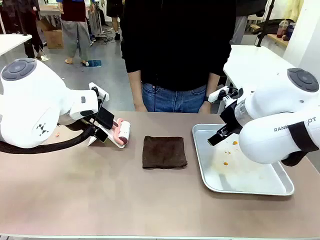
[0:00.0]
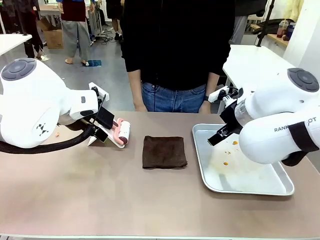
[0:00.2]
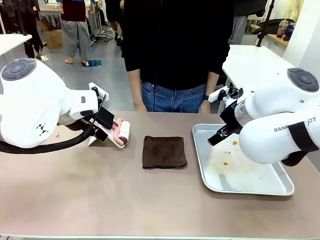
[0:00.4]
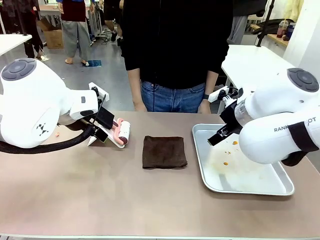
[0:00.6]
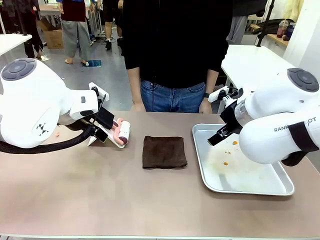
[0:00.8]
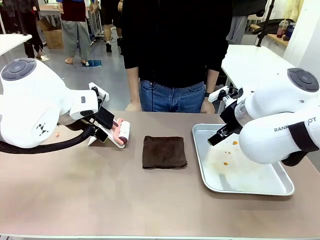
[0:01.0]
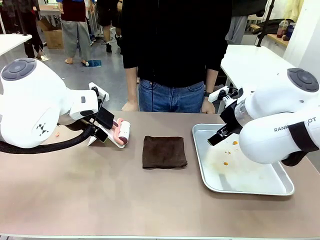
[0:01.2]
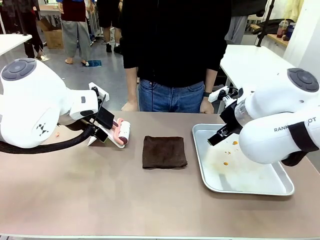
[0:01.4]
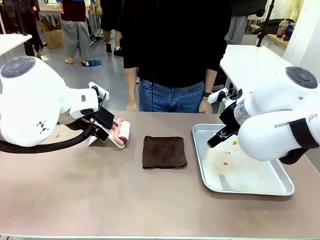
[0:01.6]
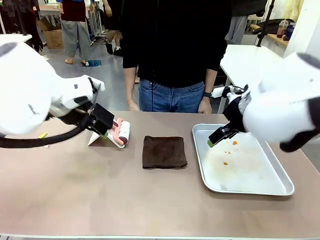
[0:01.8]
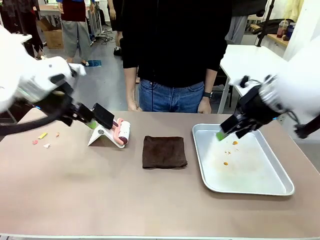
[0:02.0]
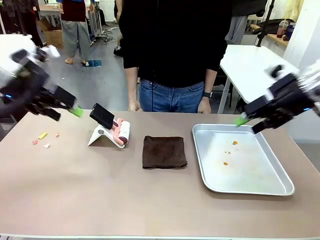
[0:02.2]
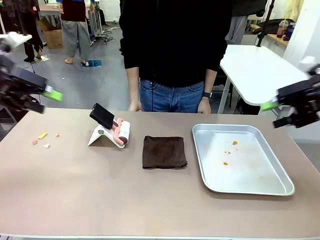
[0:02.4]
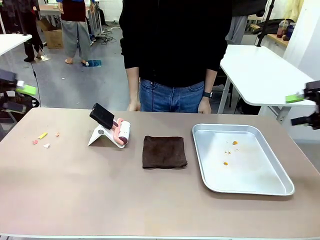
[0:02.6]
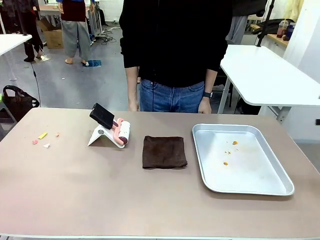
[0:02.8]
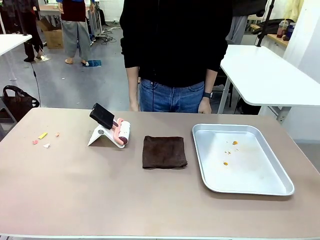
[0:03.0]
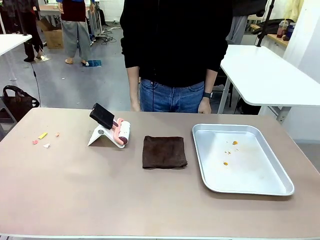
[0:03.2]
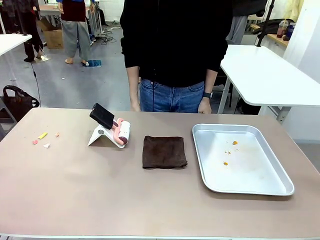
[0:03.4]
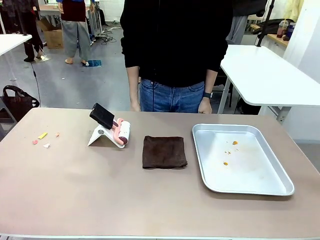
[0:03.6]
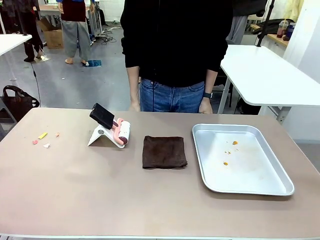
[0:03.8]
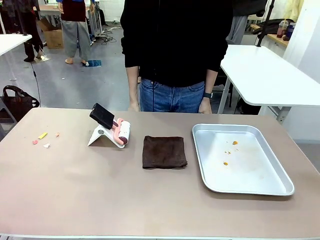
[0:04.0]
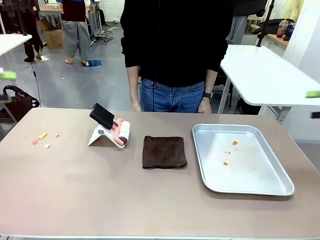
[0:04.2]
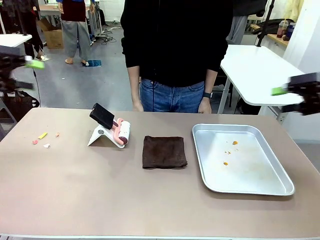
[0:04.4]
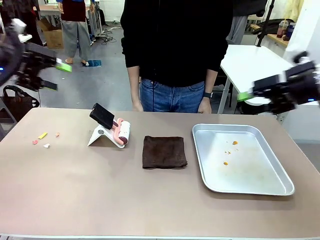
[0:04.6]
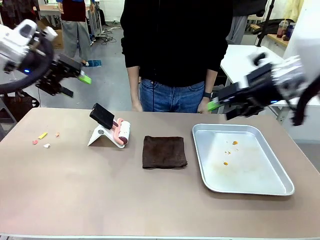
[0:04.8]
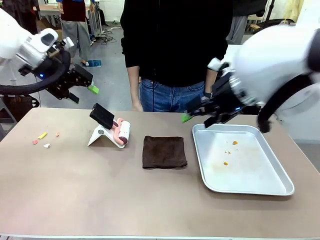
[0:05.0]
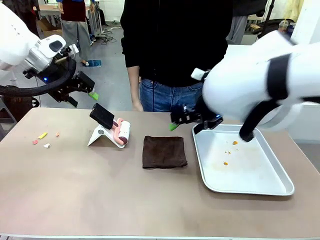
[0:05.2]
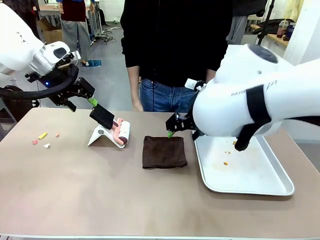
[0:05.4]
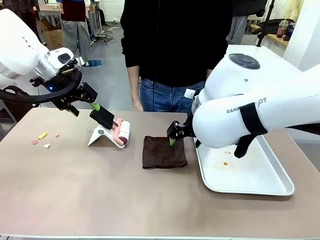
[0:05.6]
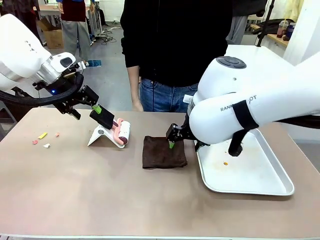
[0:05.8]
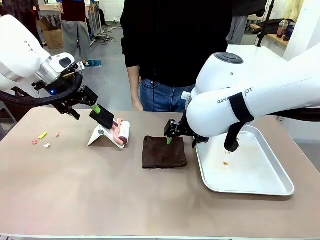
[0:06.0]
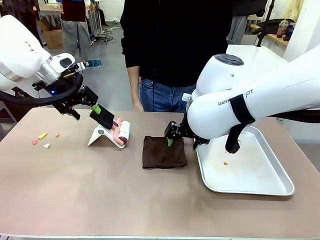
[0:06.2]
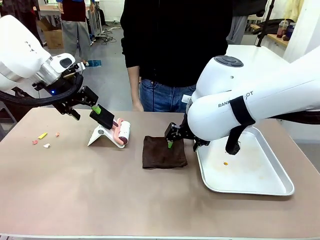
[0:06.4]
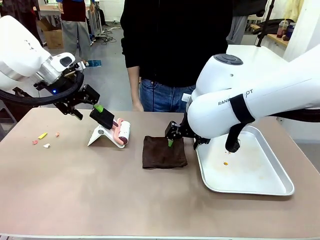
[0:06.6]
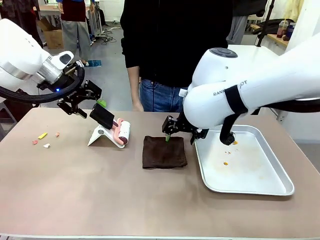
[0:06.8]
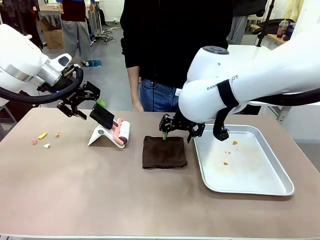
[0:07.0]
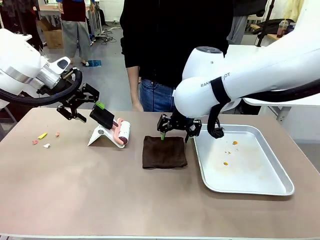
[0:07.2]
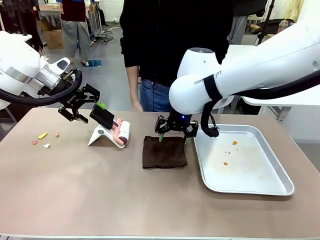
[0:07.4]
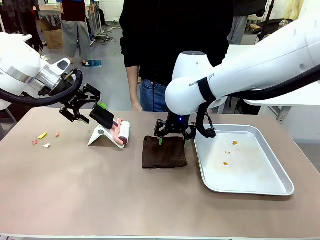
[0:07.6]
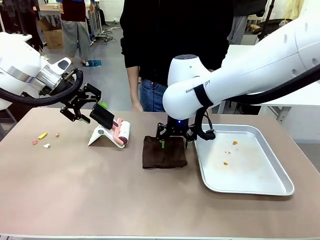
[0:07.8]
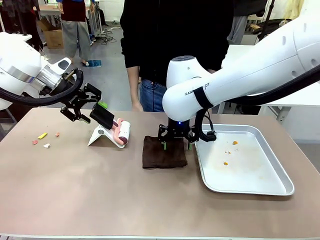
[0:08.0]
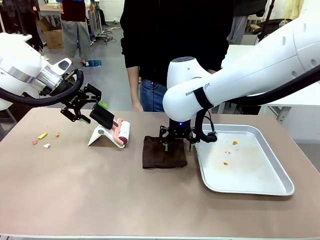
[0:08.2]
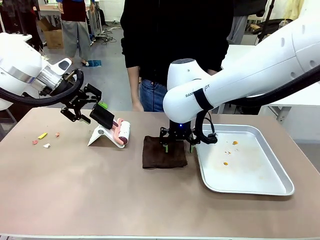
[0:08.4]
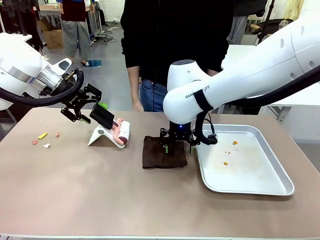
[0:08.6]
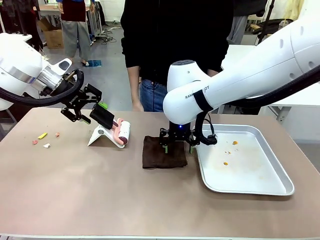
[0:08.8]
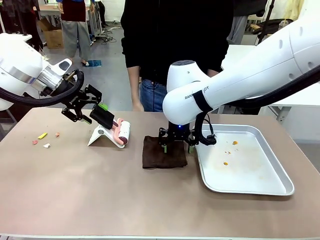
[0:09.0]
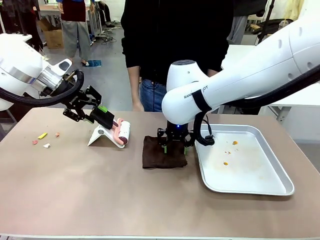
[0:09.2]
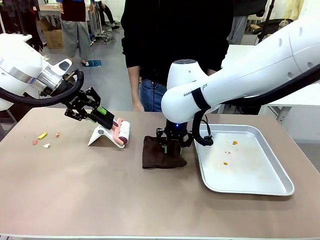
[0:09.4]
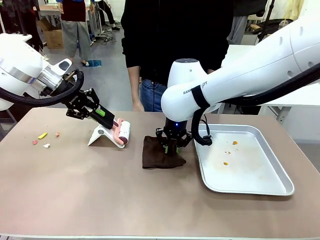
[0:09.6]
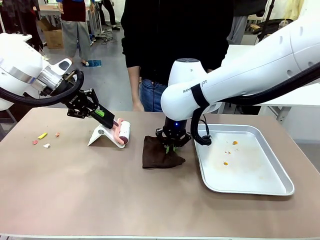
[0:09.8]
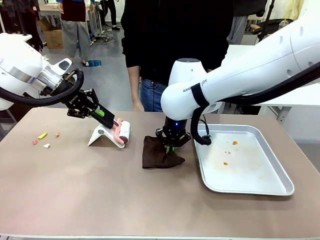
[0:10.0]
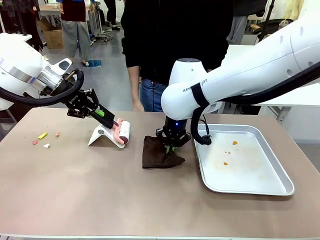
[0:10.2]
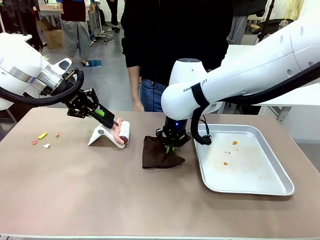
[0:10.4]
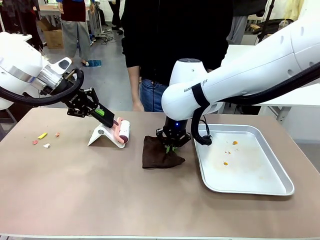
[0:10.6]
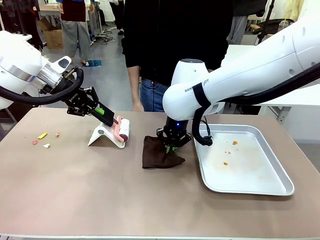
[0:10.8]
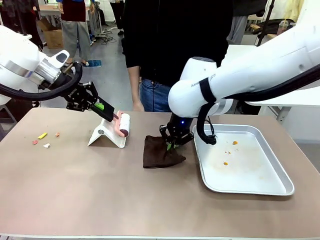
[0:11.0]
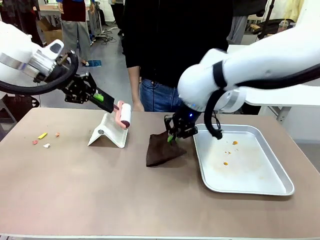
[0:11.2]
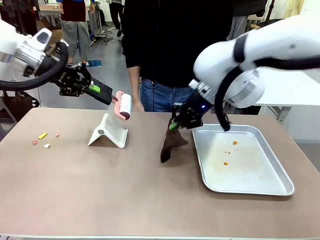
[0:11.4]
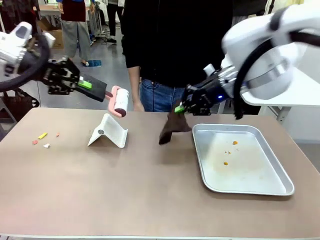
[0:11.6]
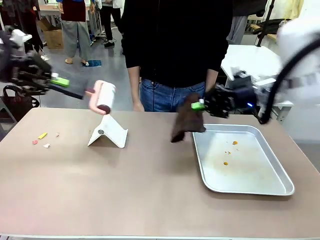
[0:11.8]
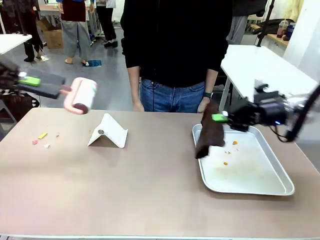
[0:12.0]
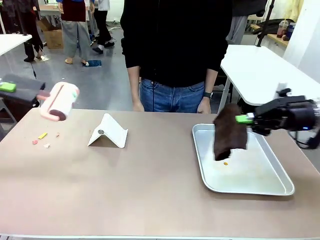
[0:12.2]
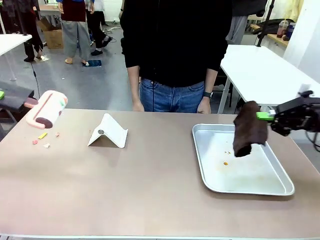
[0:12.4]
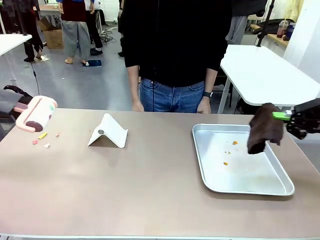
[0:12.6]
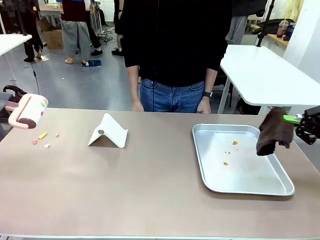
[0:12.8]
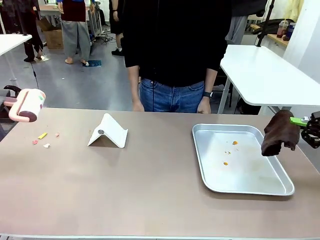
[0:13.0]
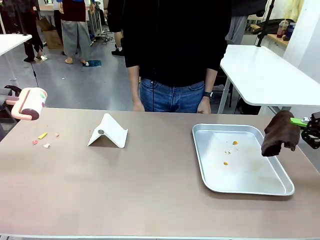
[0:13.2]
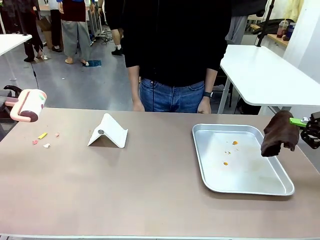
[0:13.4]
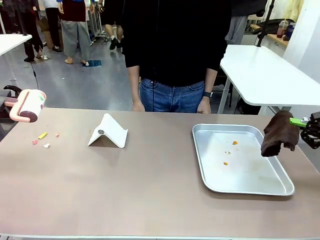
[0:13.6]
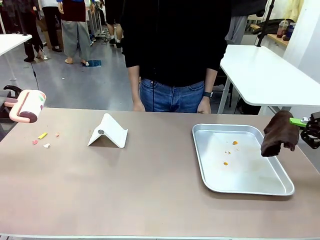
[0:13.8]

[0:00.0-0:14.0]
Task: Clean the surface of the table.
Robot: Hold the Lint Roller with your left hand and the towel with your right hand.

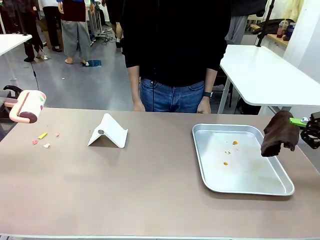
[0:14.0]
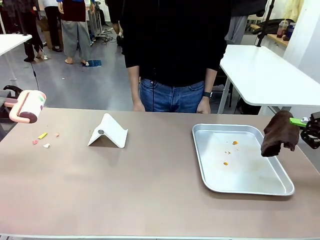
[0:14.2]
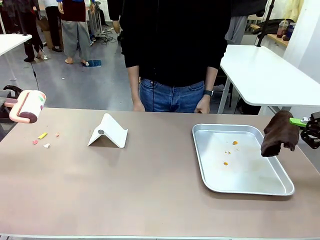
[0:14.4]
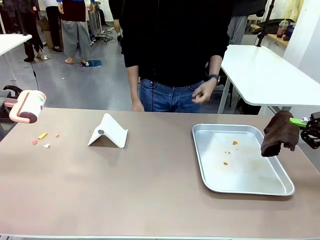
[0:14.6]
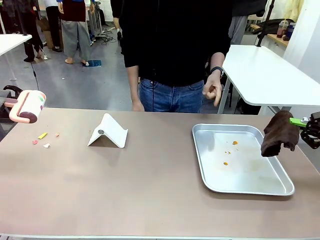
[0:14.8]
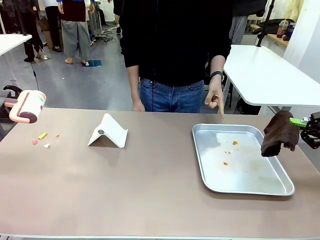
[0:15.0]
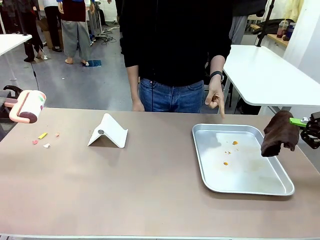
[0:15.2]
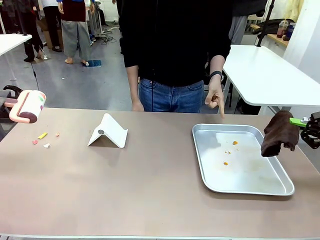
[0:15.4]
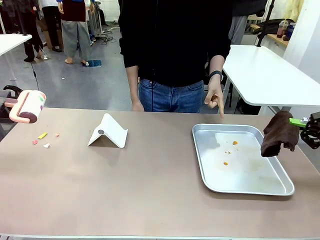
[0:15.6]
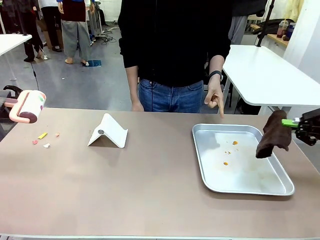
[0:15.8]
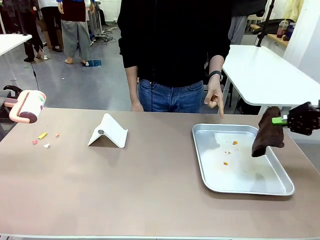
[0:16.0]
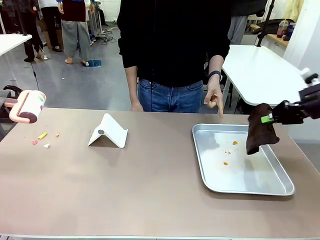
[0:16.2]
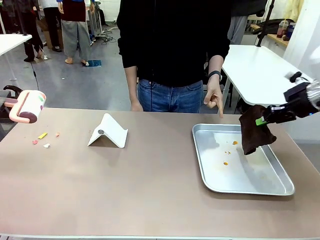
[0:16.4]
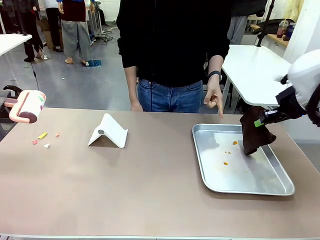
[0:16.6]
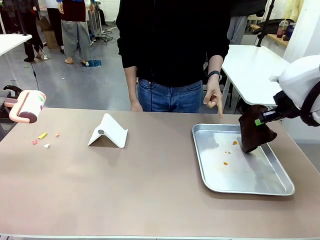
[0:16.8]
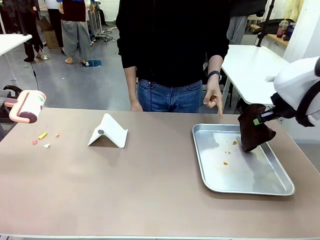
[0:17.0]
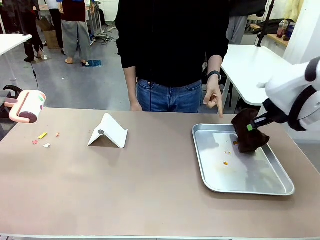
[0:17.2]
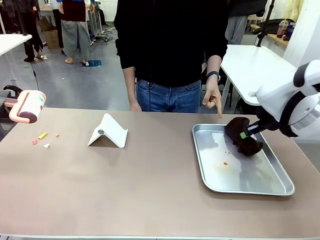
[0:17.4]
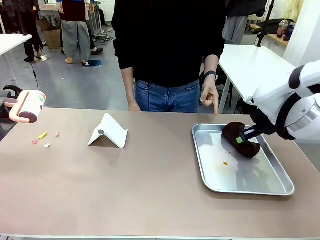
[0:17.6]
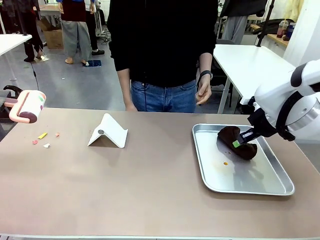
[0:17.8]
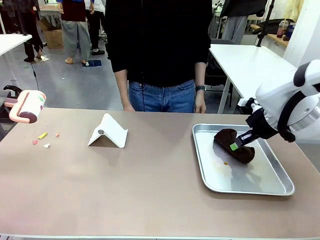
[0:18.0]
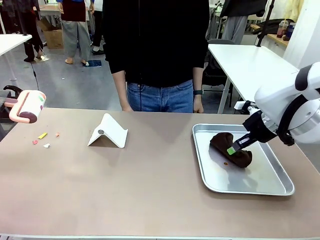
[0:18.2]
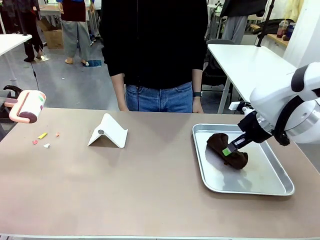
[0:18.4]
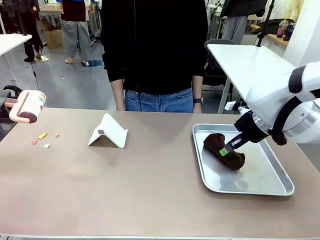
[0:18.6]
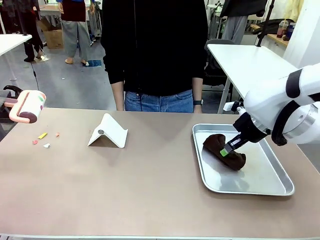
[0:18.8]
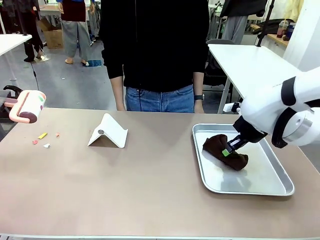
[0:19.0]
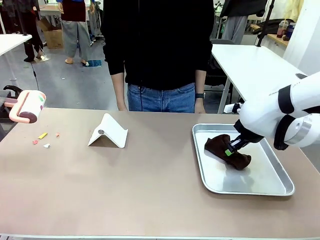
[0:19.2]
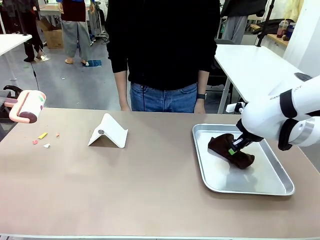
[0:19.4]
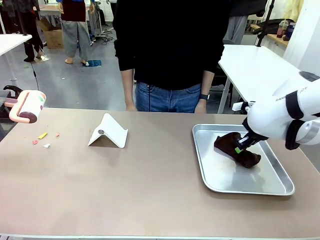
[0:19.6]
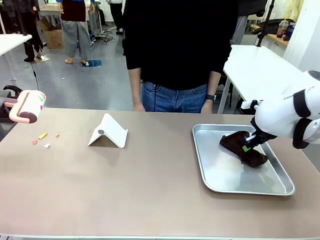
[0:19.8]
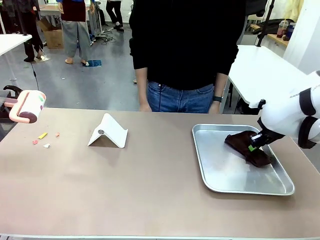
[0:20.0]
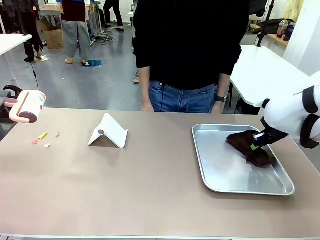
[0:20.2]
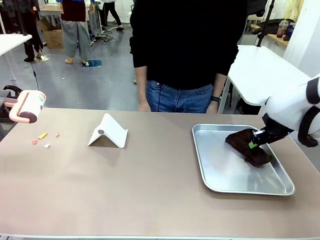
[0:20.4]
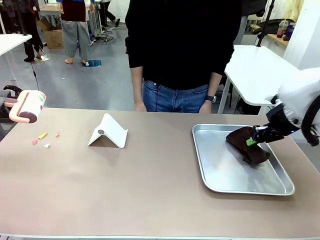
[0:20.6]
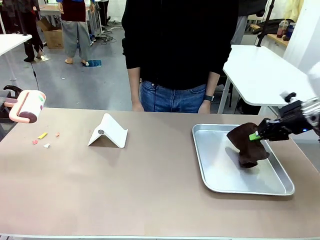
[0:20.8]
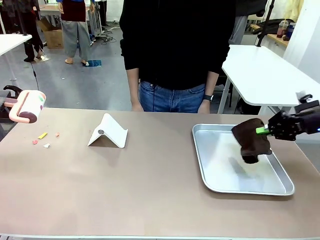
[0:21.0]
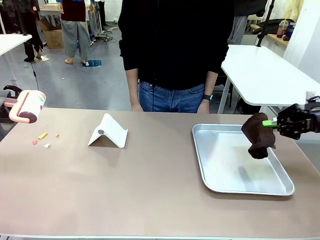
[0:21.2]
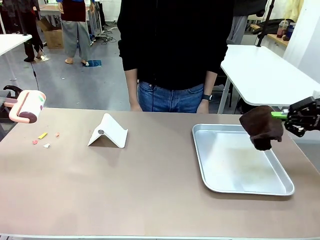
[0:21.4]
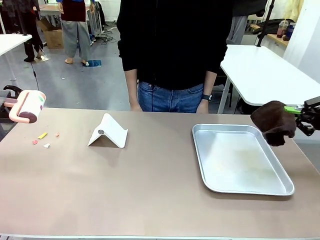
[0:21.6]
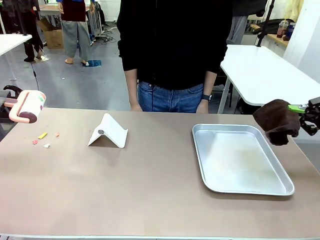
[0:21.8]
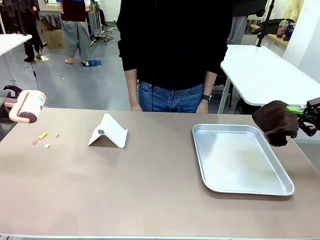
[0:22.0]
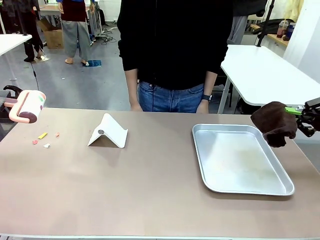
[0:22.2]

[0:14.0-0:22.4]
Robot: If a person points to the right, clean the right side of the table with your right hand, and if they point to the left, clean the left side with your left hand.
